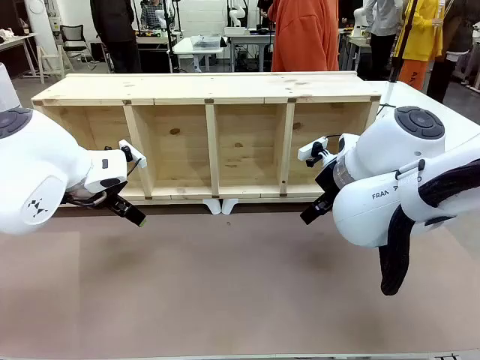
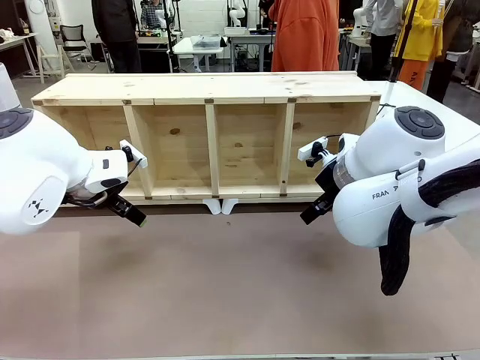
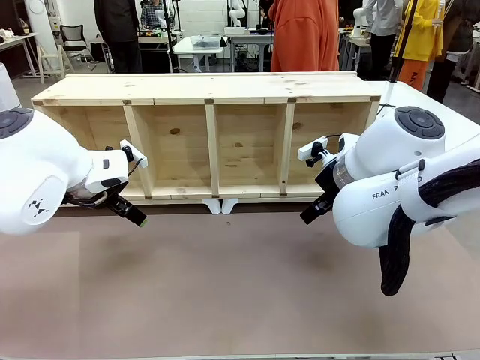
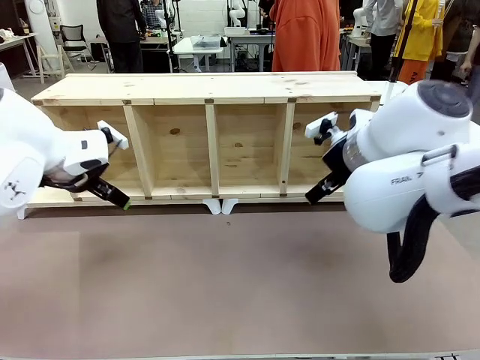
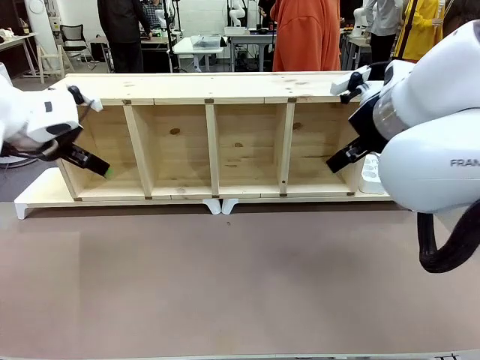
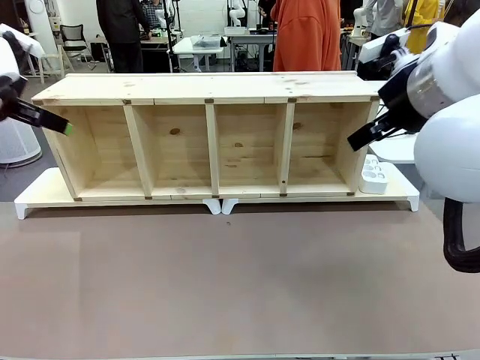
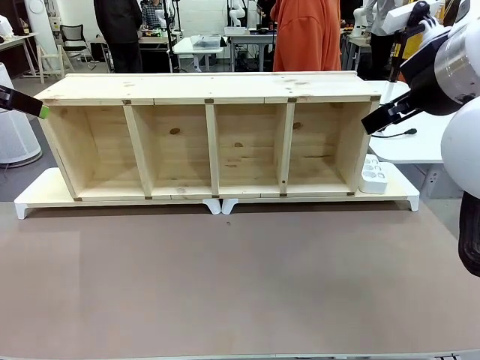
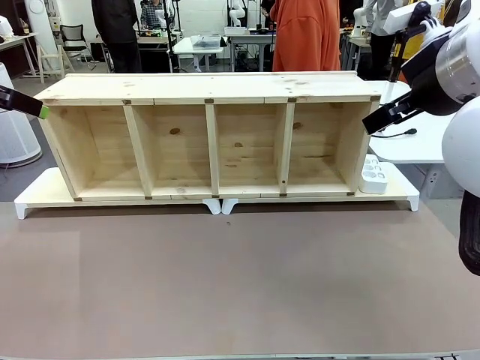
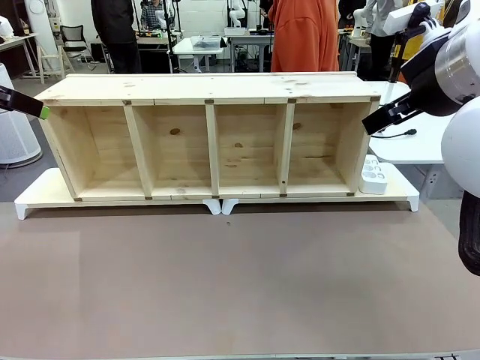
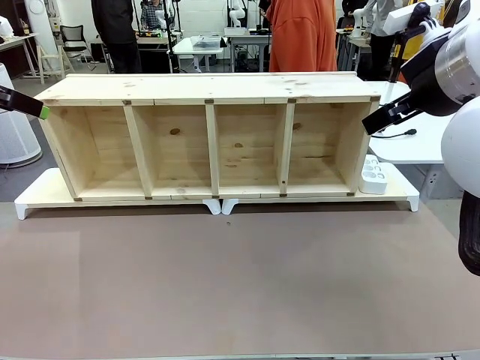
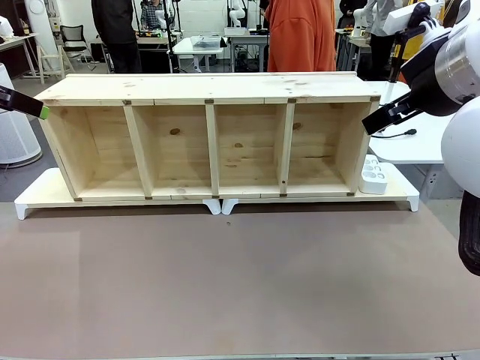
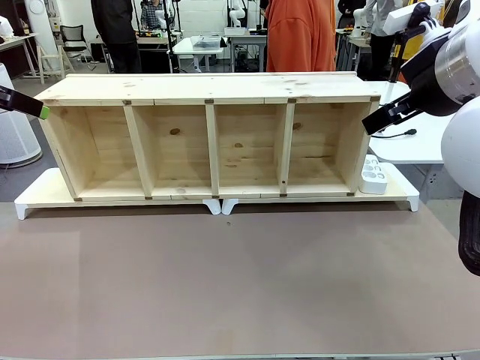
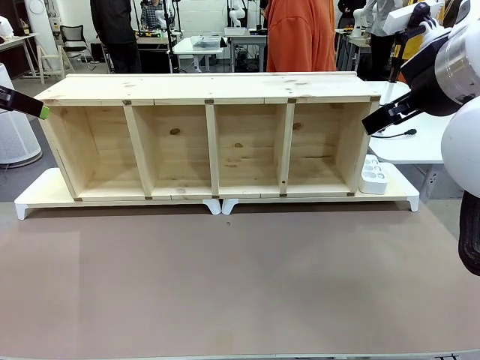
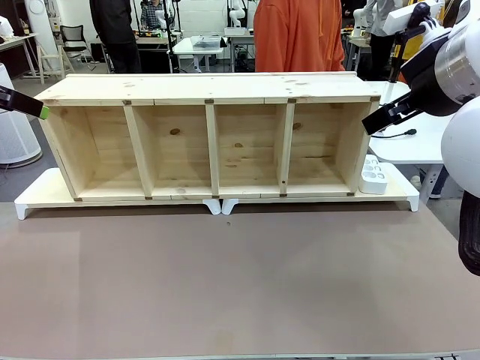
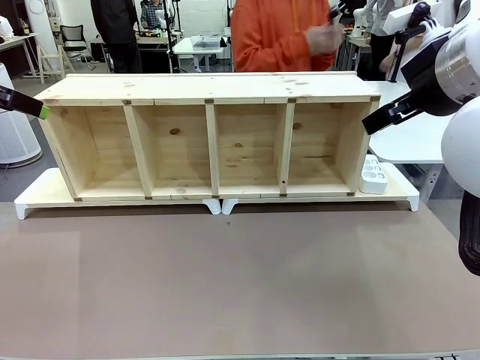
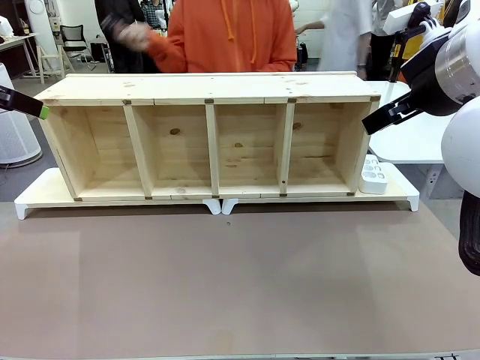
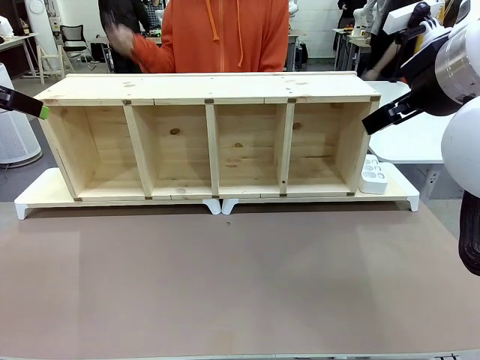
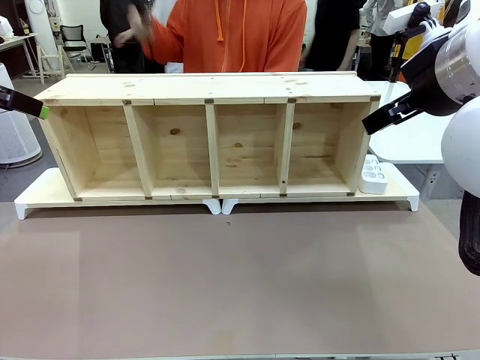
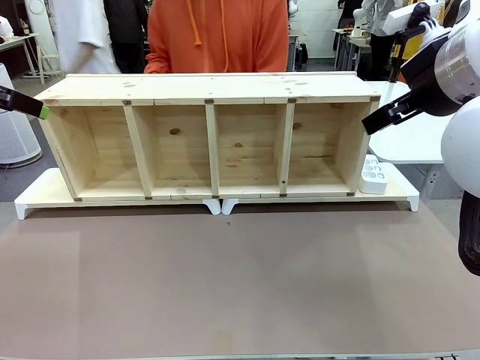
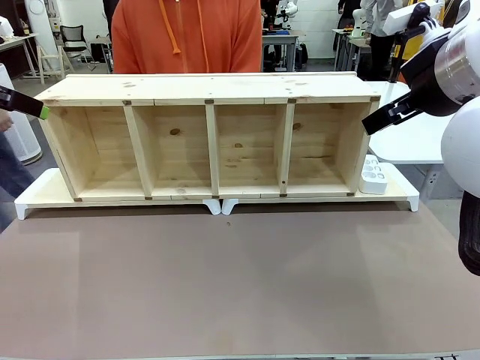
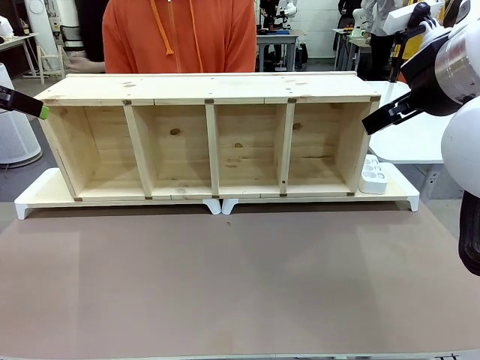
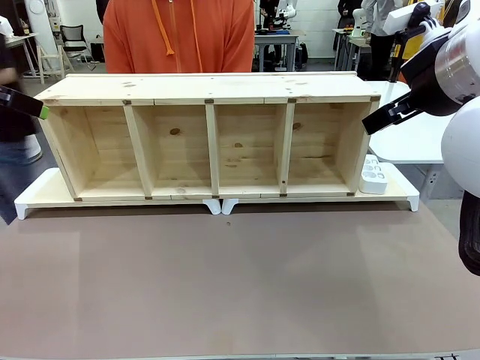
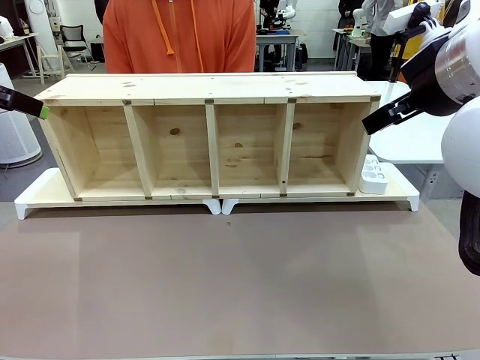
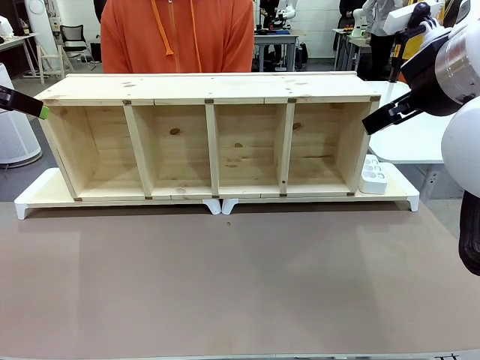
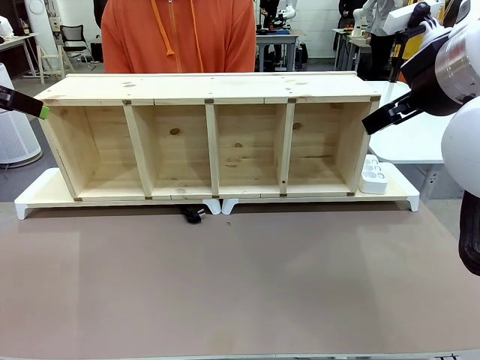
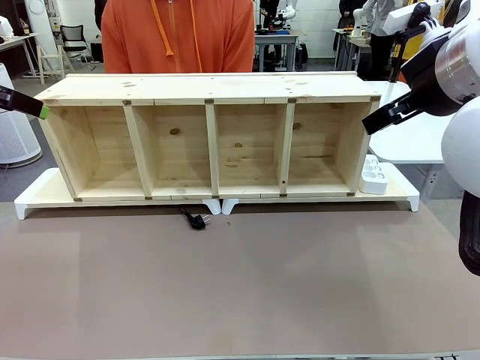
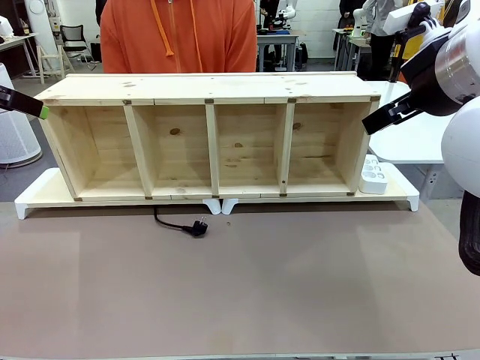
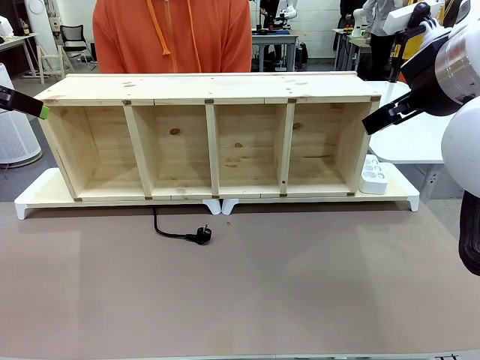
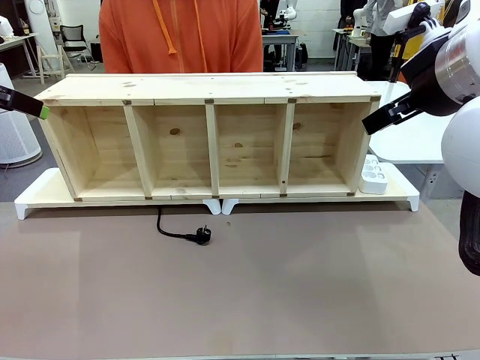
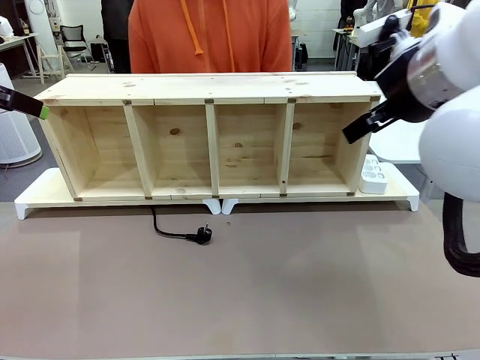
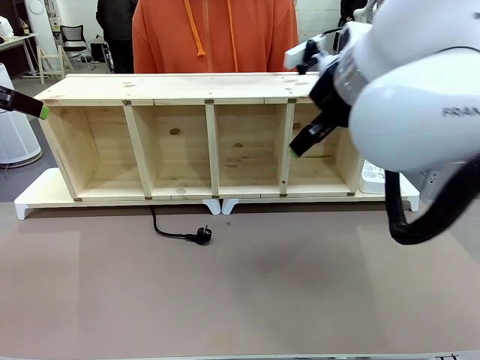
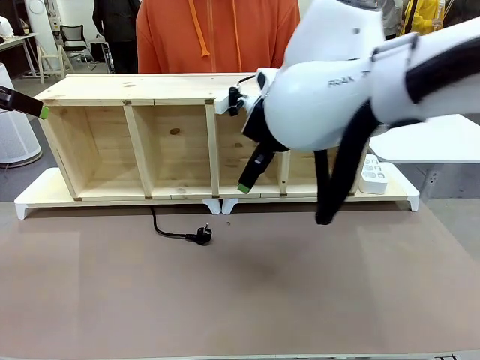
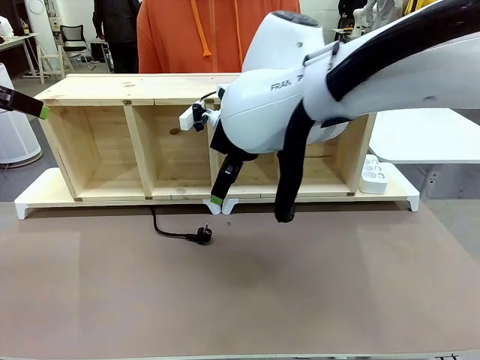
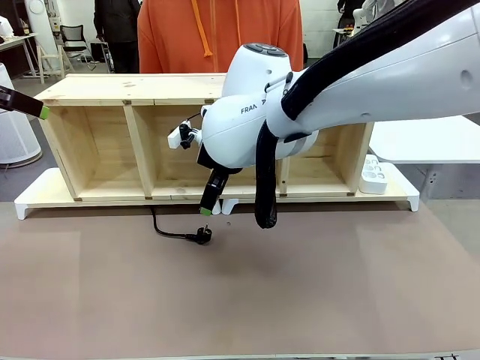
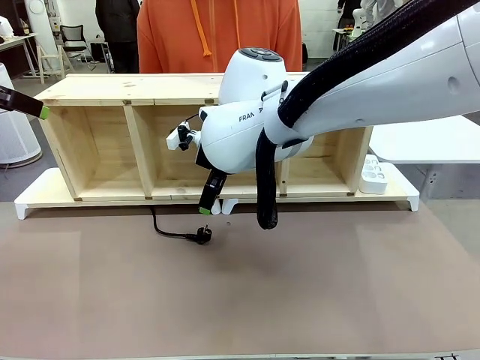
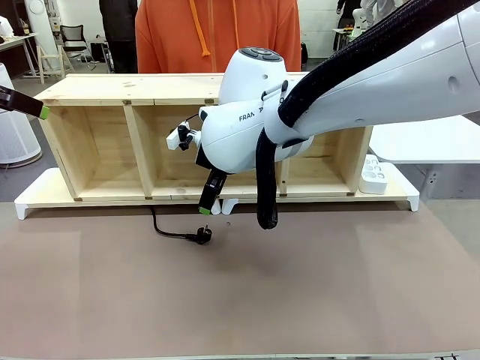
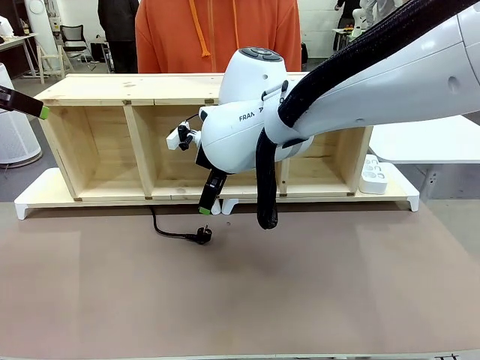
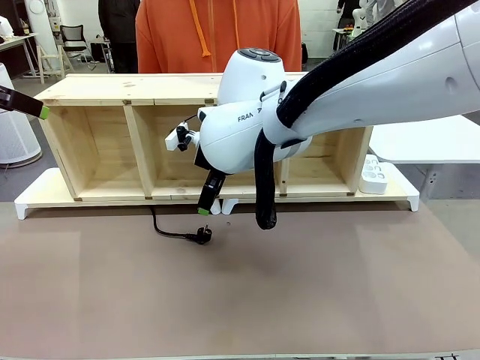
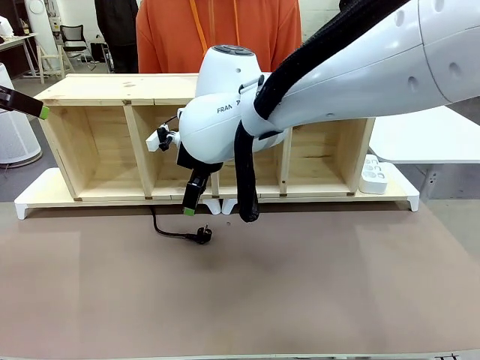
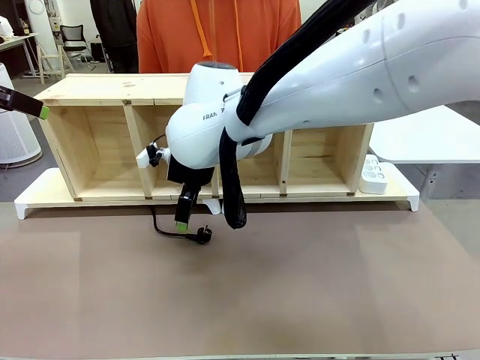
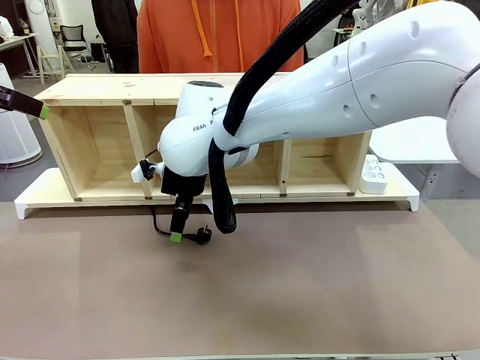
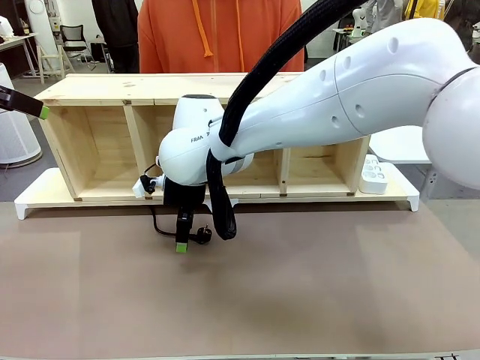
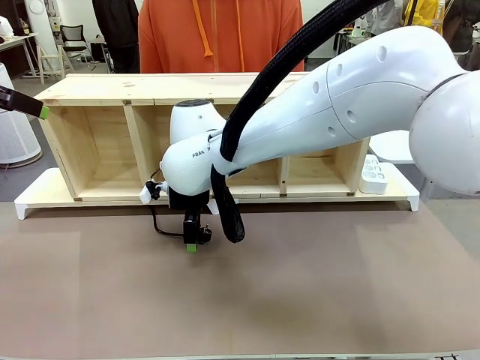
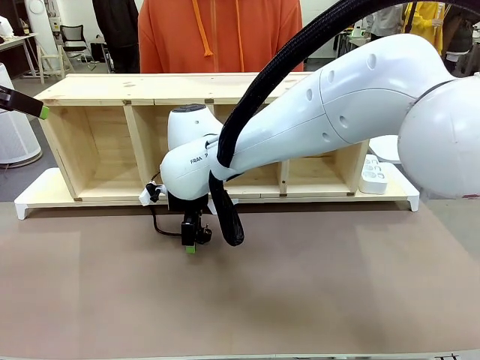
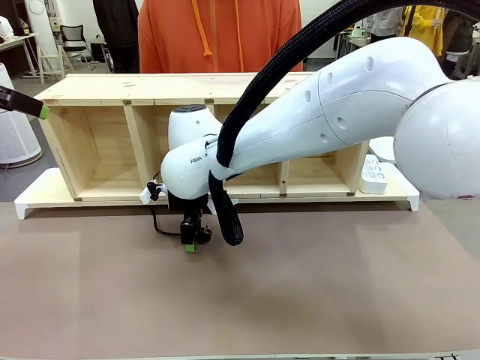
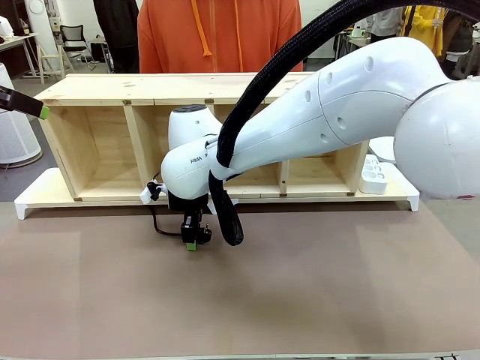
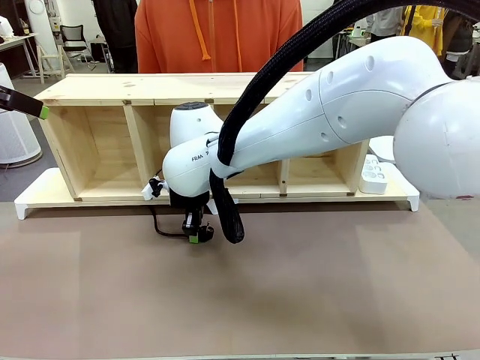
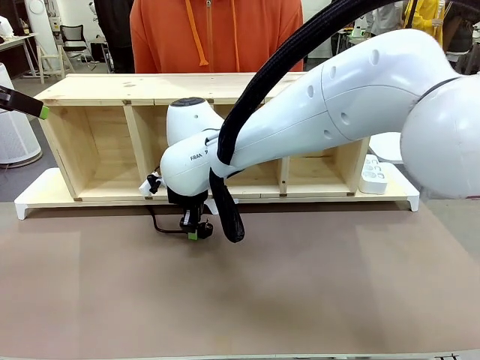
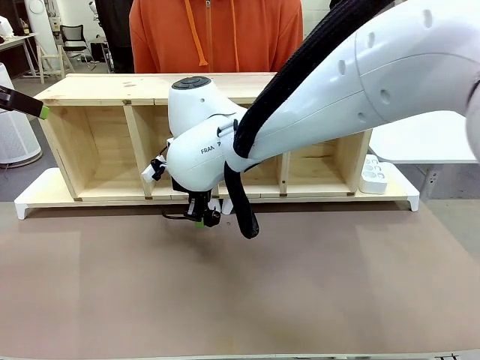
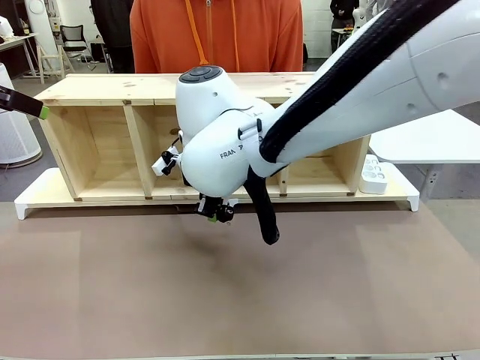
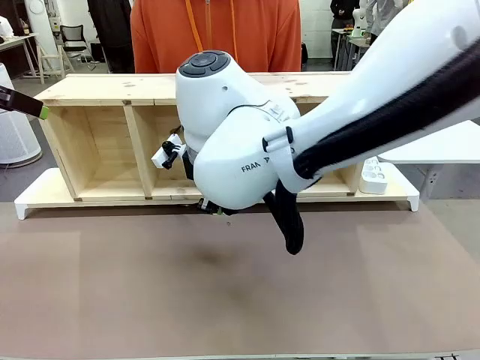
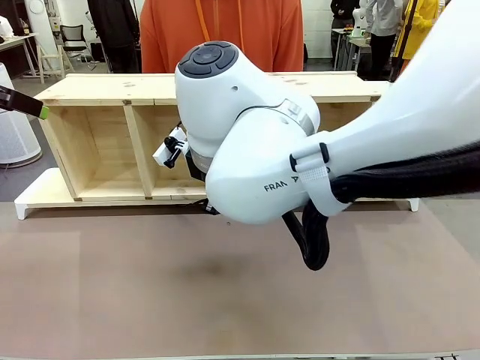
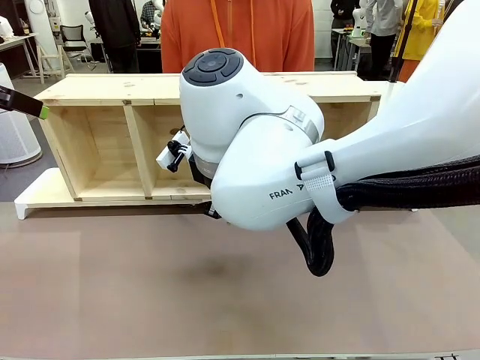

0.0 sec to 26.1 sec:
Task: Perform cable management.
Robot: When the cord part of the Power Cable appears at the lower middle area of the table and stops, grasp the cord part of the Power Cable.
Person: Pass the Power Cable under the Serving Table. Grasp the Power Cable when the robot holds it and stops moving to the left of the robot table.
